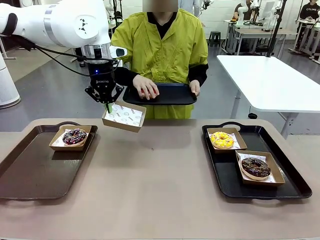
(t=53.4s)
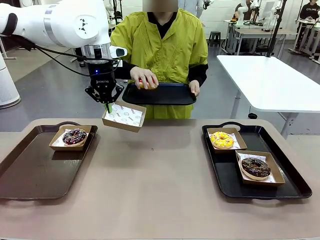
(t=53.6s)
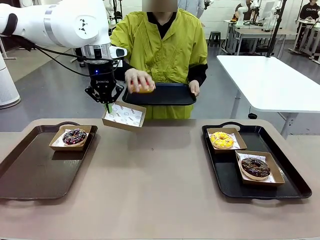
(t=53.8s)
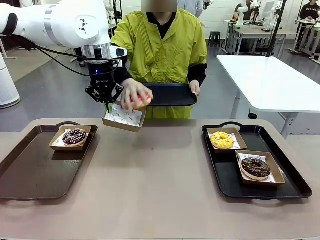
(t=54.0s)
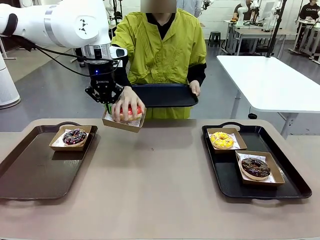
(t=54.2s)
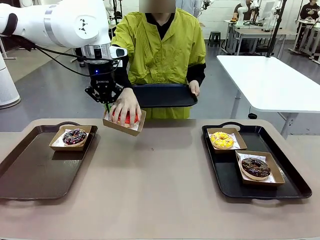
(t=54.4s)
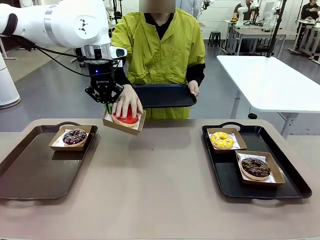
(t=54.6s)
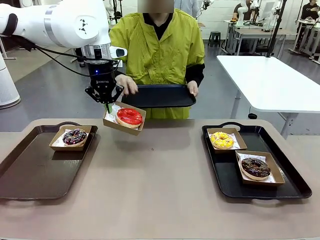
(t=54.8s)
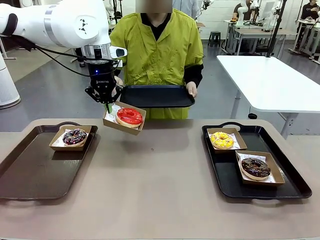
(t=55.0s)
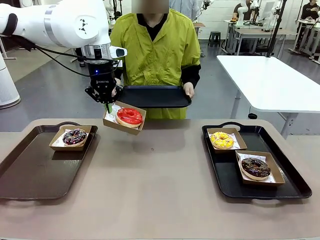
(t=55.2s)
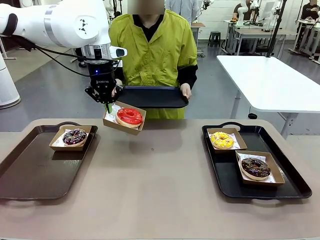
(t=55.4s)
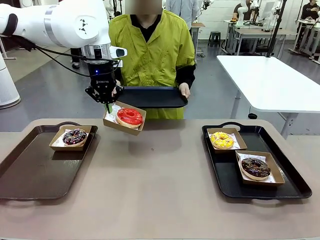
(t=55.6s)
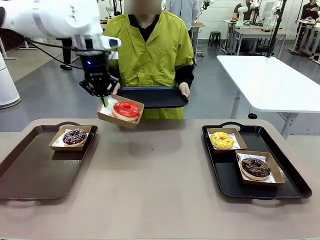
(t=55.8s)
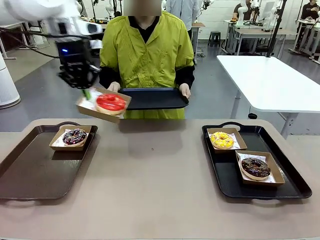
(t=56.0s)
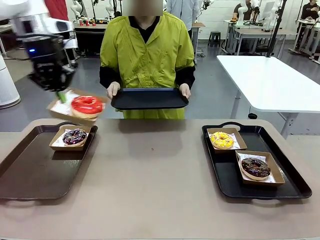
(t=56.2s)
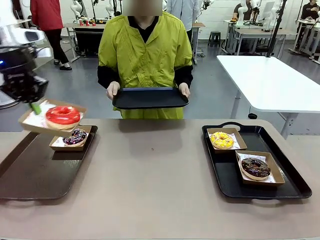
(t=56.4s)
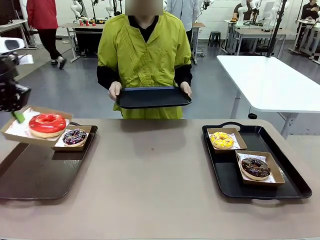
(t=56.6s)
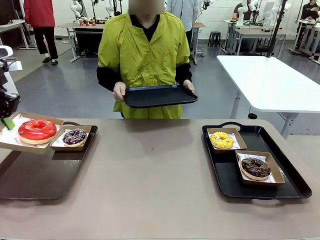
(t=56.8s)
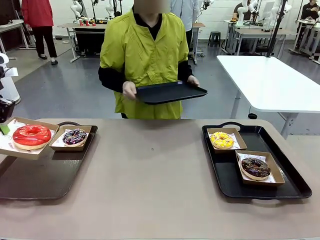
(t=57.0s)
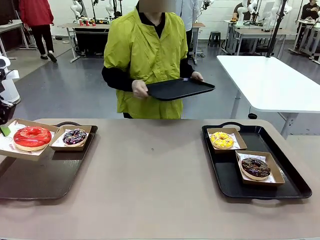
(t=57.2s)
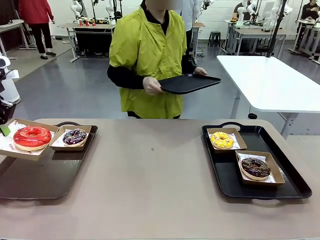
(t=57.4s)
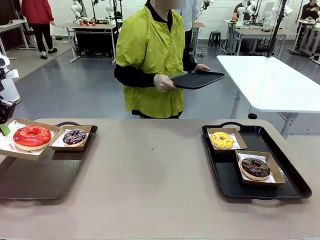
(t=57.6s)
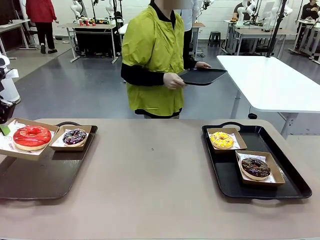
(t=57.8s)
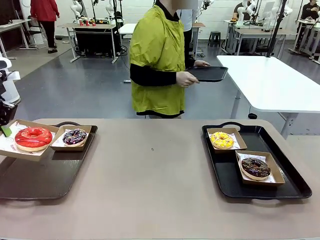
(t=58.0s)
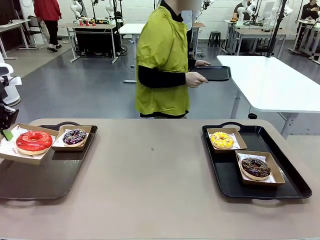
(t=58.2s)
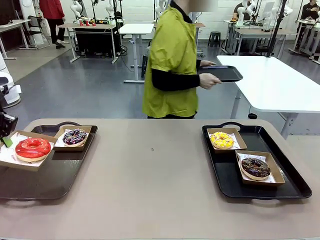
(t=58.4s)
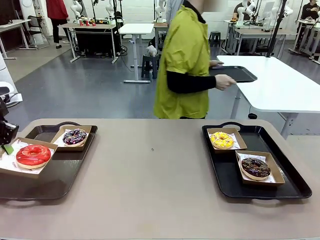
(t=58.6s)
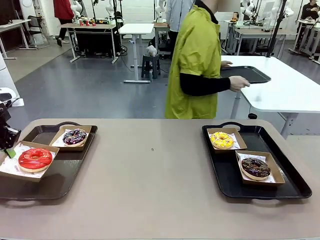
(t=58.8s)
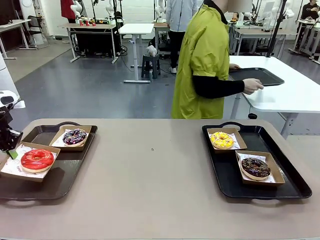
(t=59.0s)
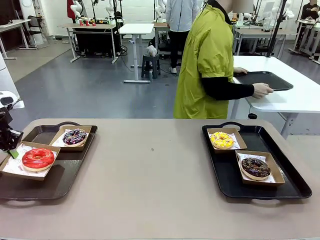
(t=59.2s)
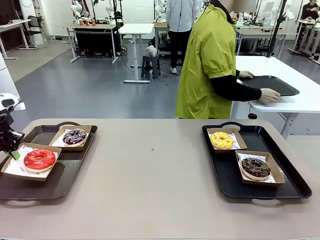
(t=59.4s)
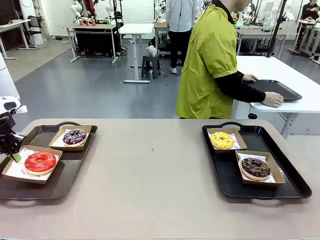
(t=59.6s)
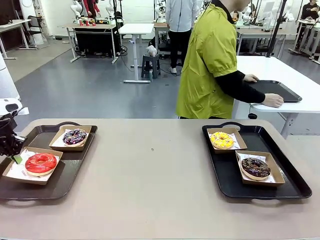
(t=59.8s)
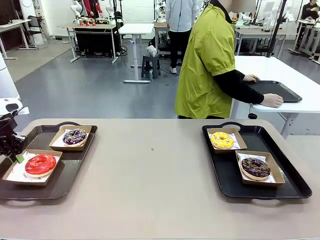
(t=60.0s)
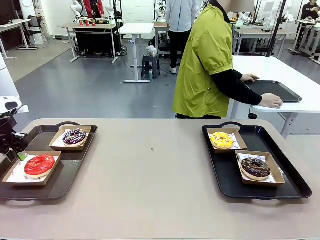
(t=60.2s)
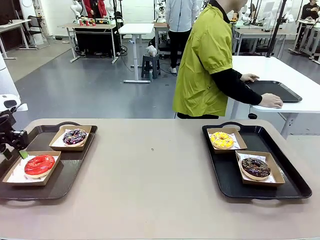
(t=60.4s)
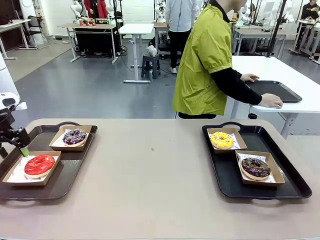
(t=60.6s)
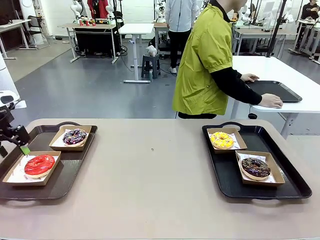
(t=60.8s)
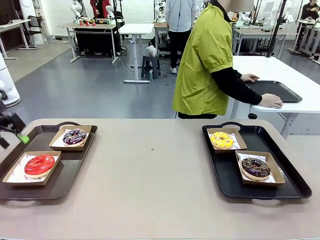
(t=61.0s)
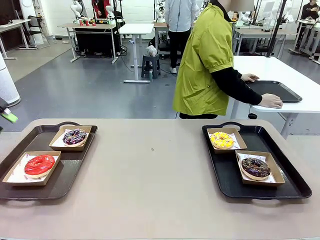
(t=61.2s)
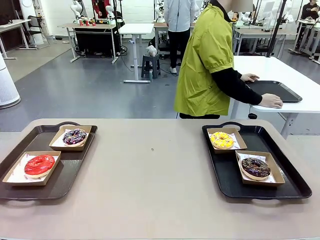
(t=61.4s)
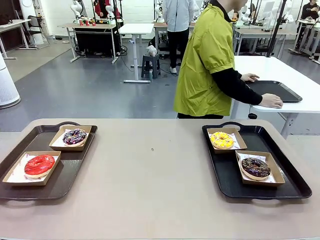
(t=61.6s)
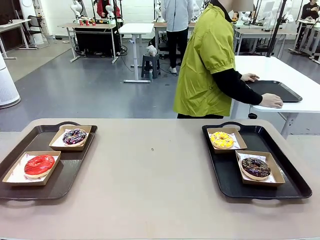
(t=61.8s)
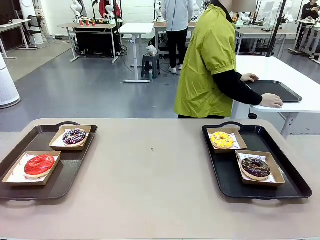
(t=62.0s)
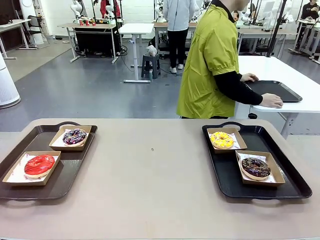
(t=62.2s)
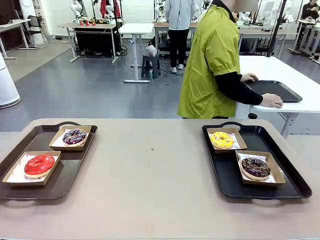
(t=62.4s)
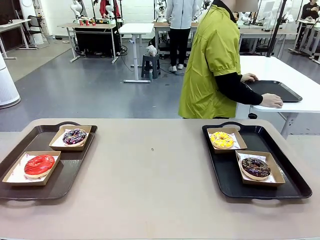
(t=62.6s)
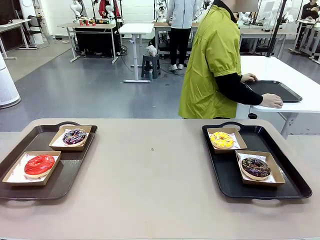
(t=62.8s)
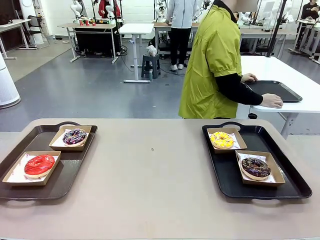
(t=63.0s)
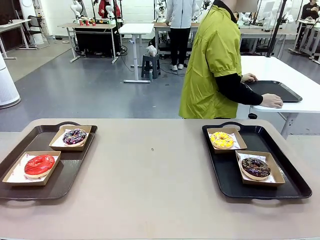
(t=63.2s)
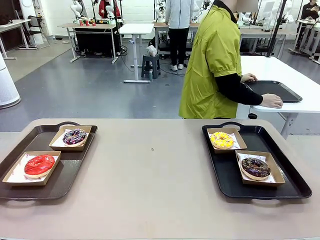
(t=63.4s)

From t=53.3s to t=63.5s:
Task: Individually package the donuts and arrange them on the tray.
Robot: Place the picked Paper togo box on the Handle tray.
Person: Place the tray down in the middle of the human table.

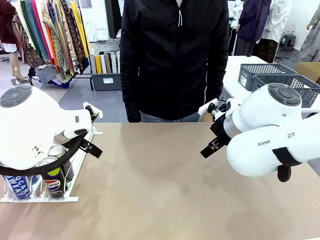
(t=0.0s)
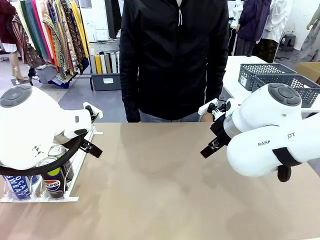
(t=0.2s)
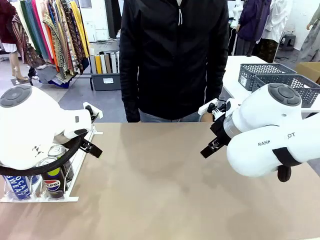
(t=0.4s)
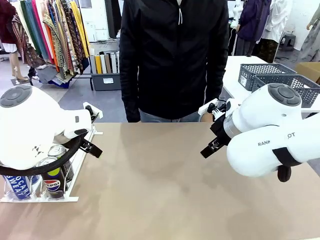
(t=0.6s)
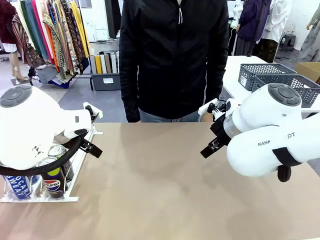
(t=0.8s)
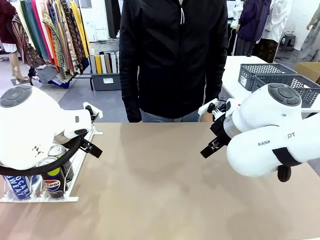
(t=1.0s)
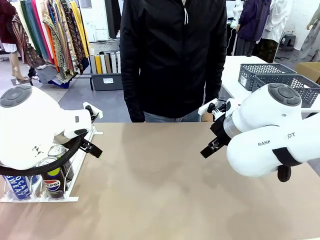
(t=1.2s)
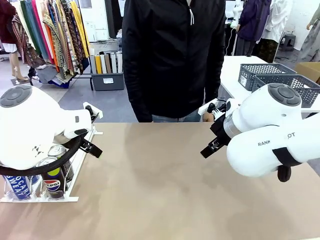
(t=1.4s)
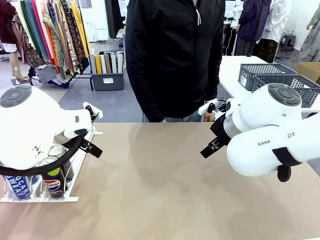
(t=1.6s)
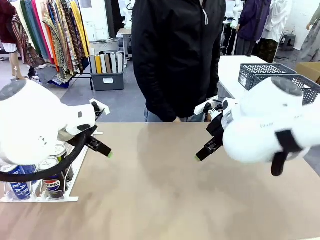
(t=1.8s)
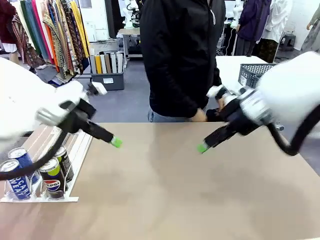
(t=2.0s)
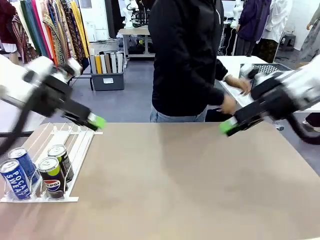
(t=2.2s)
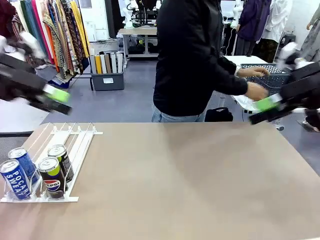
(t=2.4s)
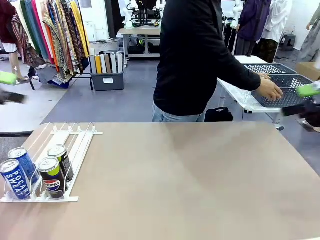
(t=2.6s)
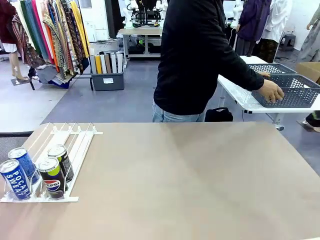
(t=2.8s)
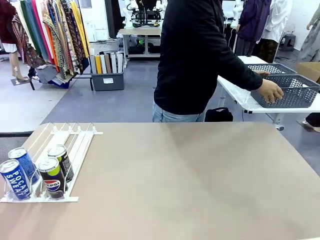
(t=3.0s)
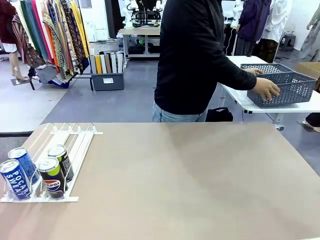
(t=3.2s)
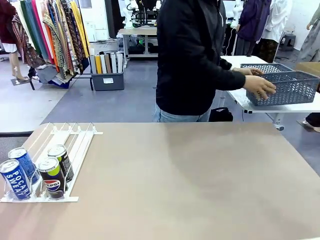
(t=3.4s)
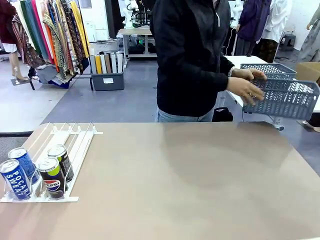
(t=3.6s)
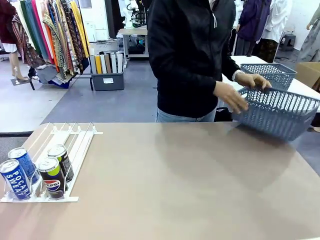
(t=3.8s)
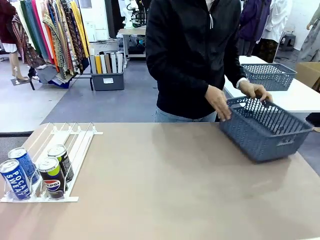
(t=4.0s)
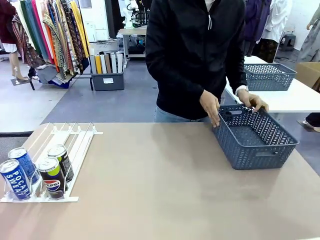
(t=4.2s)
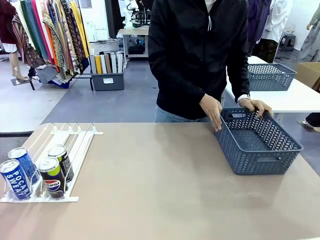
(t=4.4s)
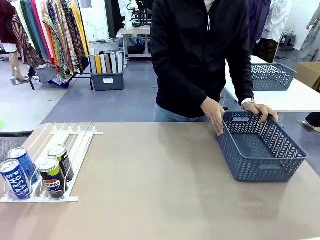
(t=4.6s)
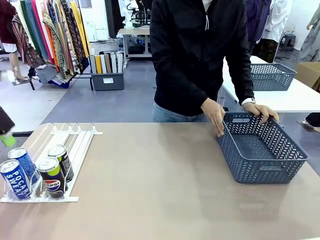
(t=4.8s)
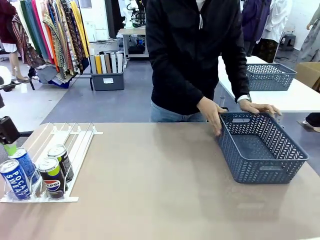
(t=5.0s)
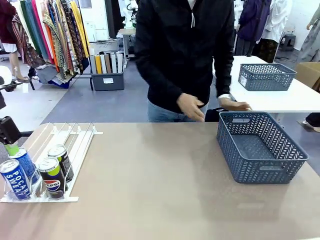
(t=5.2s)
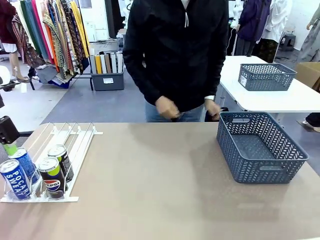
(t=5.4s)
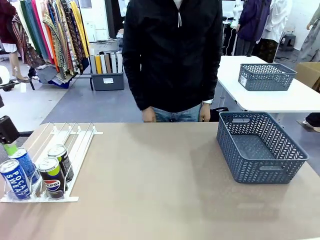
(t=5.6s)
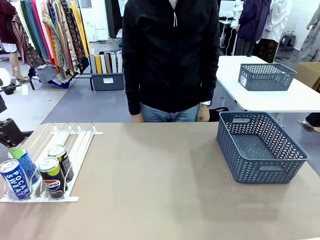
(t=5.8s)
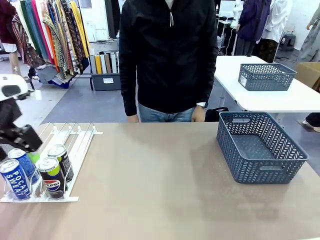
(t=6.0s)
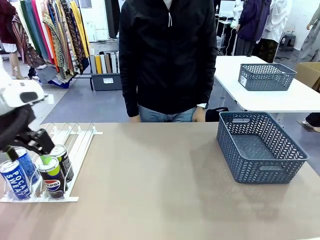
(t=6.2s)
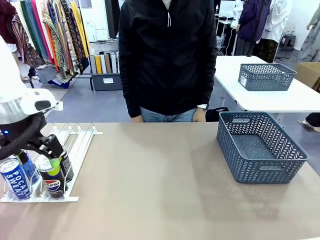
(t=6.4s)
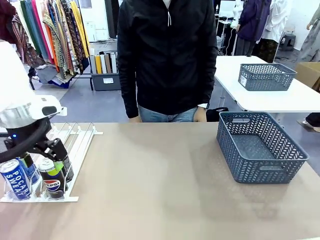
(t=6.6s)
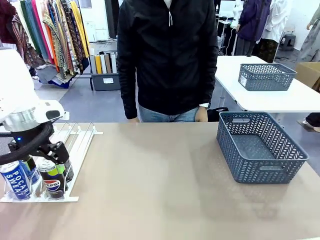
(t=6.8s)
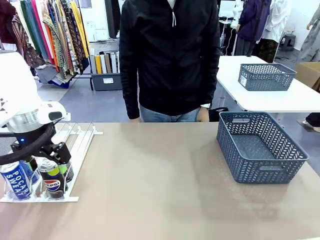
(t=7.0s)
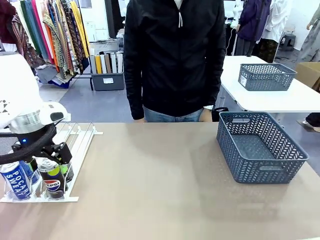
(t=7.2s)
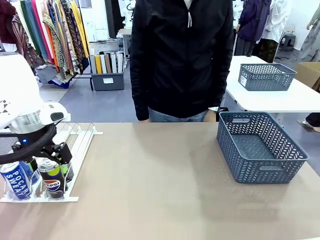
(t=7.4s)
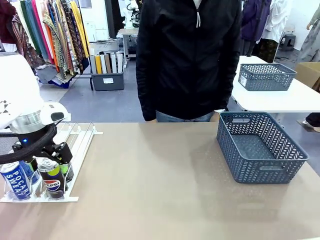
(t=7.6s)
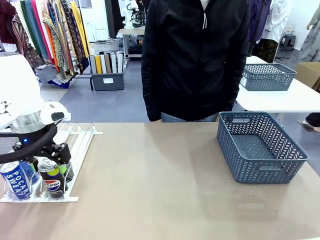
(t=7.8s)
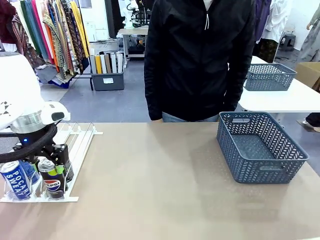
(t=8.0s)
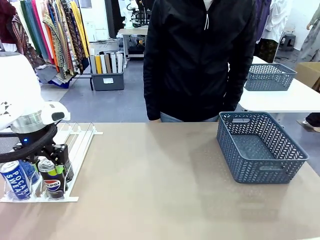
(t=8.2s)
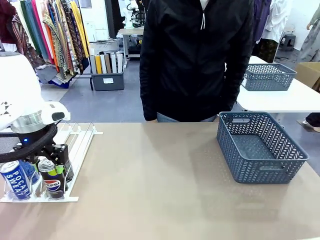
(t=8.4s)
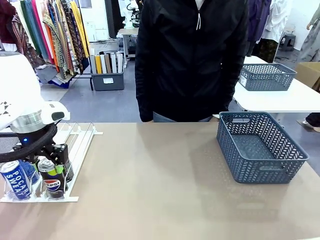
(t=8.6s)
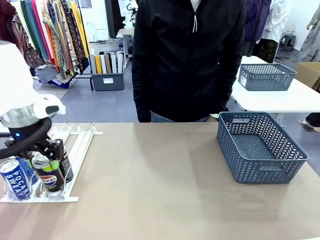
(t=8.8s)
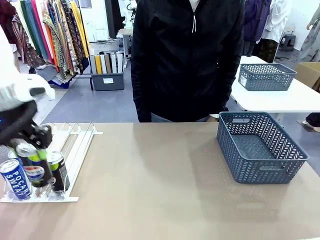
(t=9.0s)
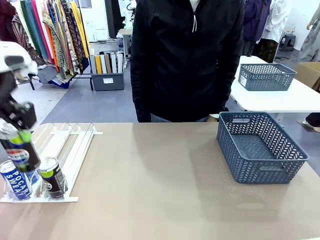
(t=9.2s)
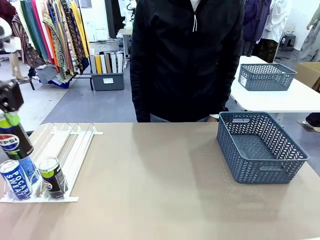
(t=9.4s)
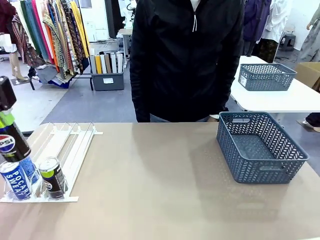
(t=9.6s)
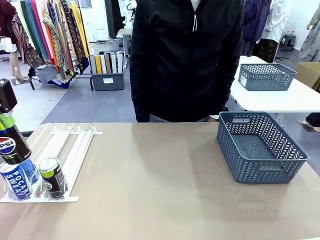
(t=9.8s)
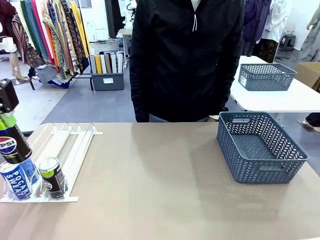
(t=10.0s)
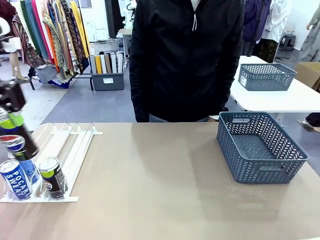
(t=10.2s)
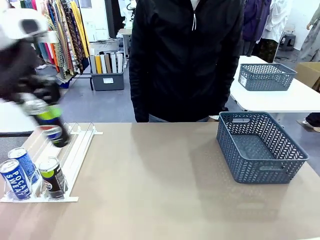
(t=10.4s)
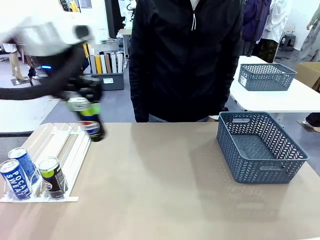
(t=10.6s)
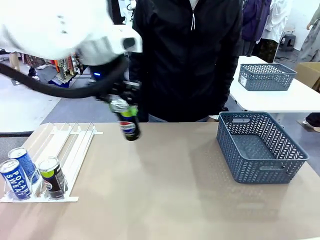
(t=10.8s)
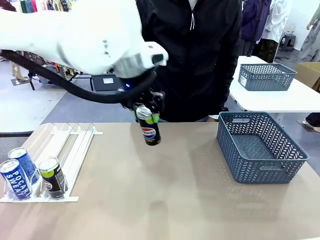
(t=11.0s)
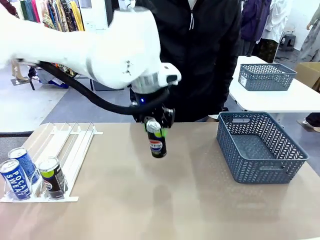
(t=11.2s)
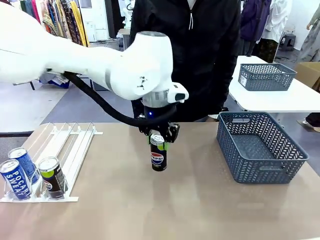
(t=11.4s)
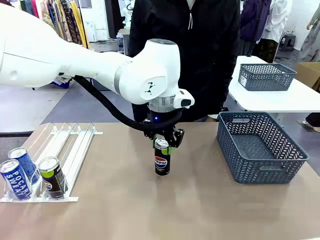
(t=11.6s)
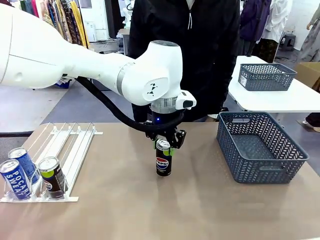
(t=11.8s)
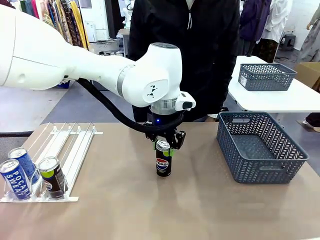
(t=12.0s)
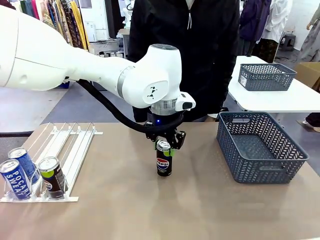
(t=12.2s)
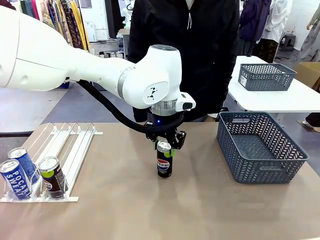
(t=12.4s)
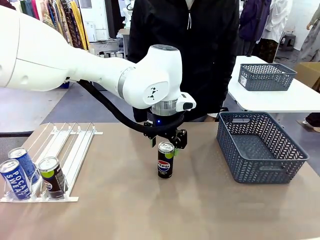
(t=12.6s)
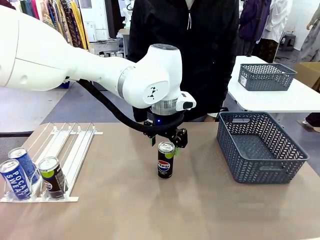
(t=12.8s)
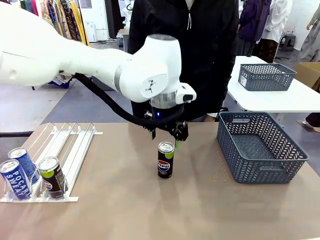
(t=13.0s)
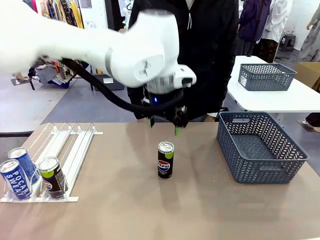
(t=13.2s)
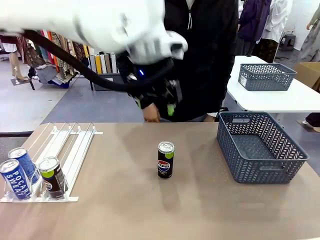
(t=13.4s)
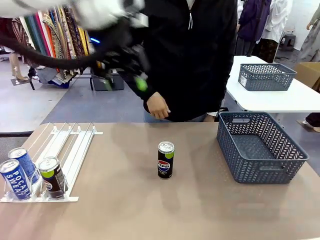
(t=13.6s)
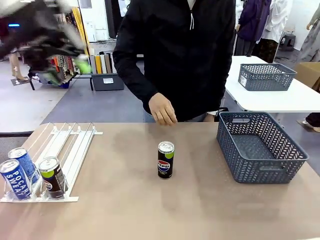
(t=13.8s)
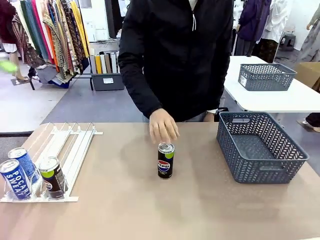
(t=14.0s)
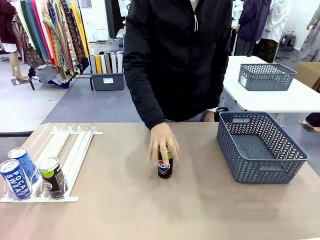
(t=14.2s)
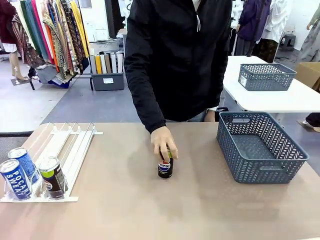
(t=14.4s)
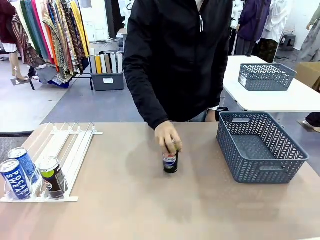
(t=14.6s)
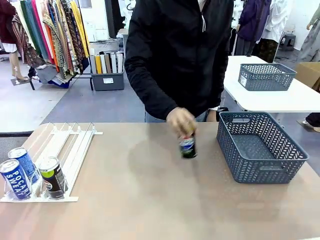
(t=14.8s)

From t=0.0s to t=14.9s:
Task: Retrieve and store the cans from the dispenser.
Robot: Pick up one can from the Automatic Can Dispenser and place it in the middle of the table.
Person: Pick up the basket and place it on the left side of the robot table.
